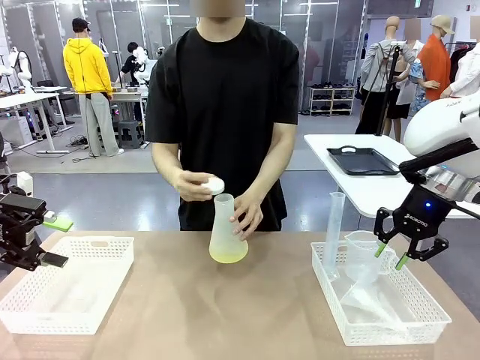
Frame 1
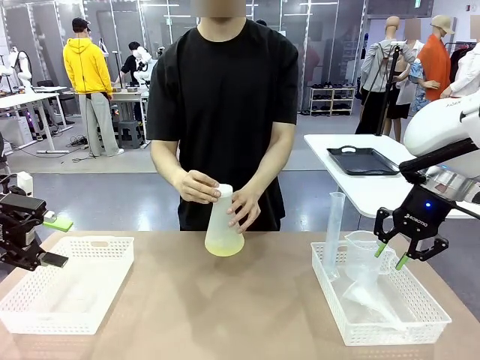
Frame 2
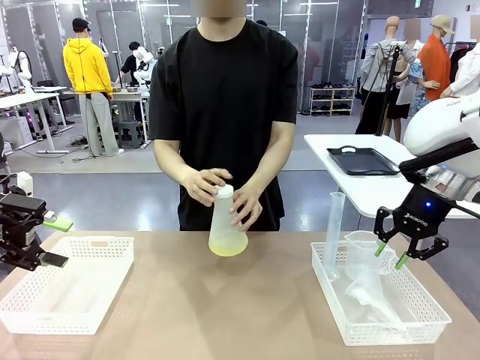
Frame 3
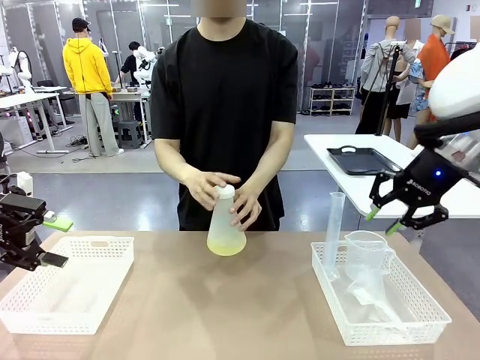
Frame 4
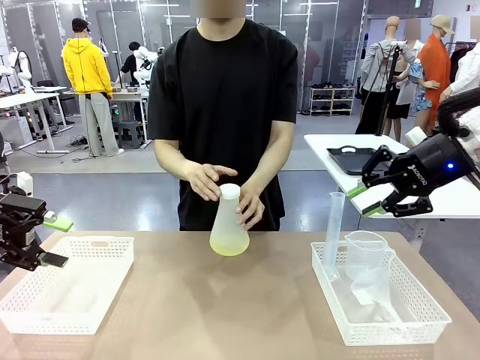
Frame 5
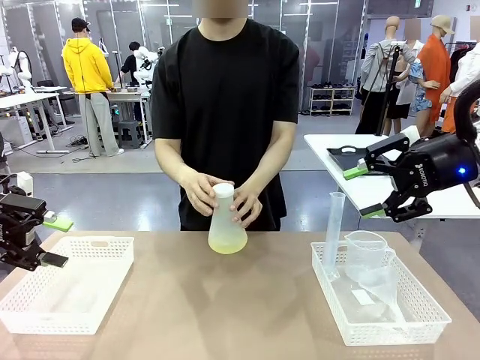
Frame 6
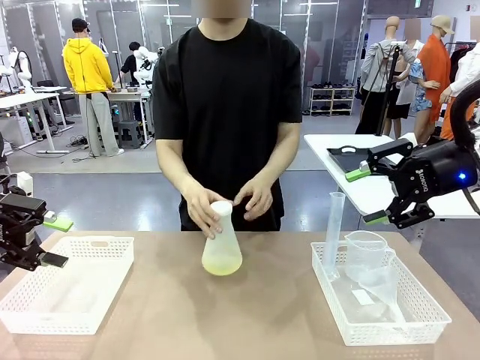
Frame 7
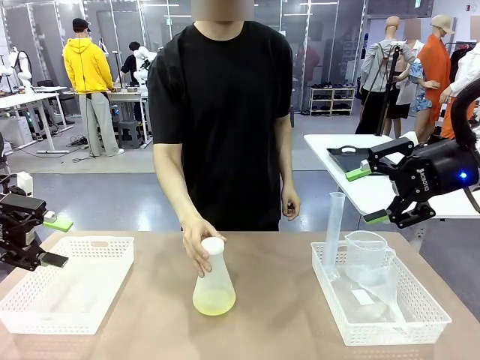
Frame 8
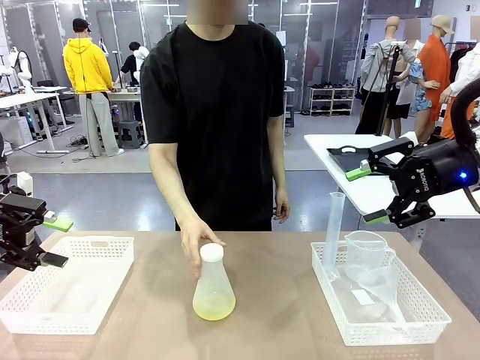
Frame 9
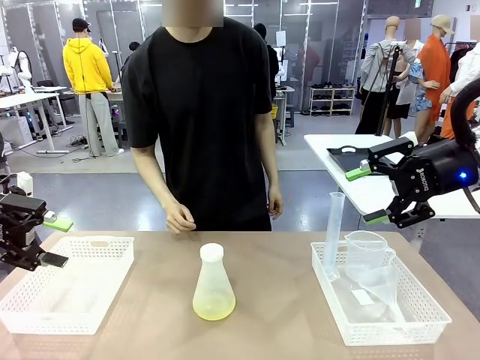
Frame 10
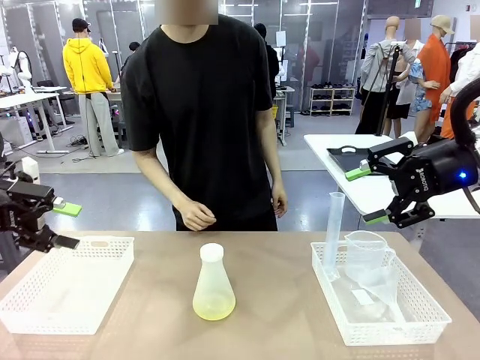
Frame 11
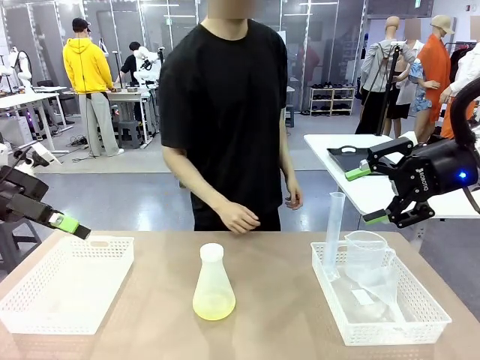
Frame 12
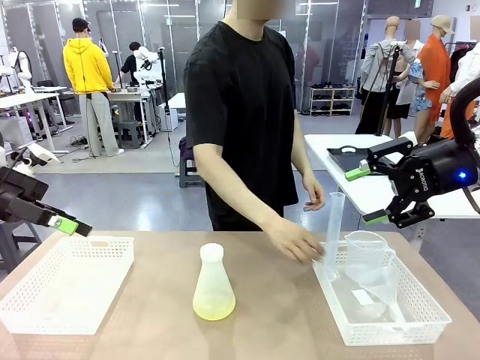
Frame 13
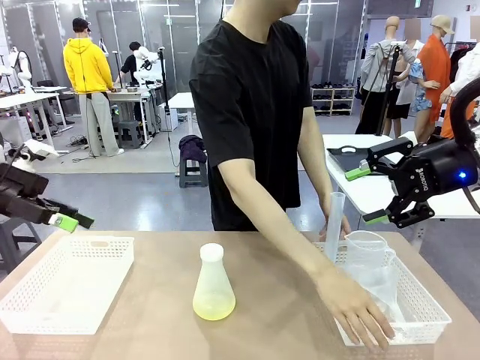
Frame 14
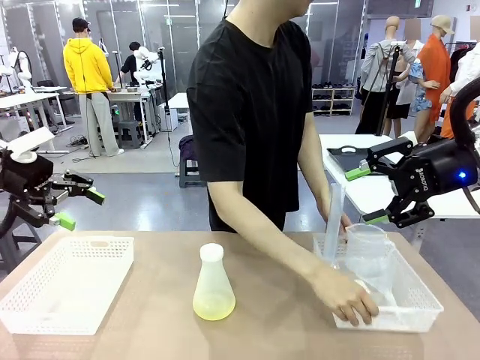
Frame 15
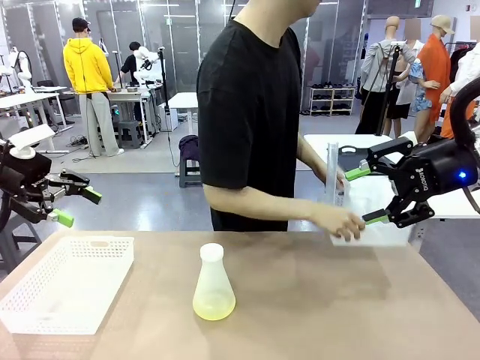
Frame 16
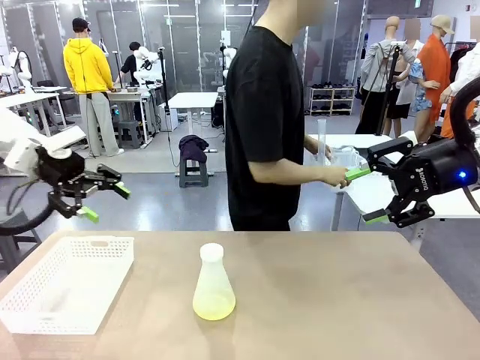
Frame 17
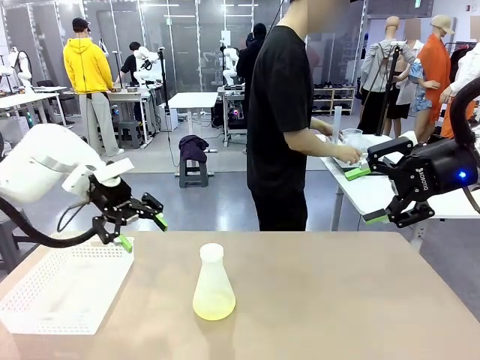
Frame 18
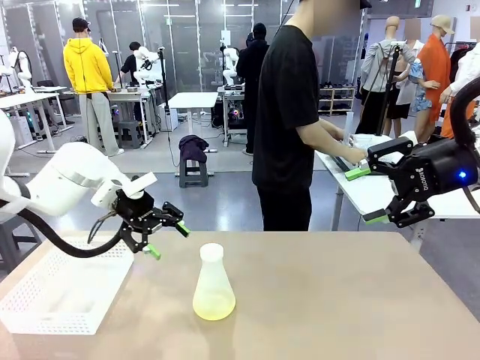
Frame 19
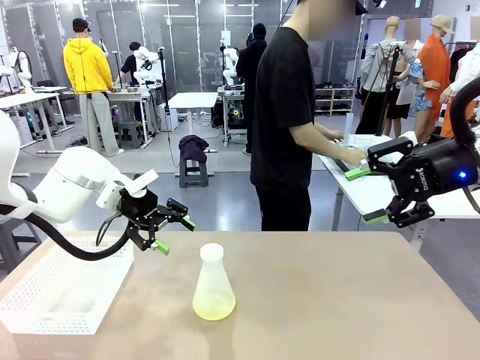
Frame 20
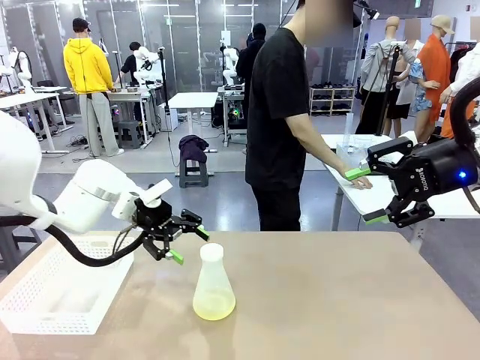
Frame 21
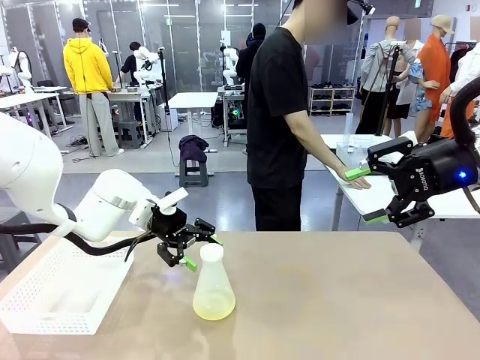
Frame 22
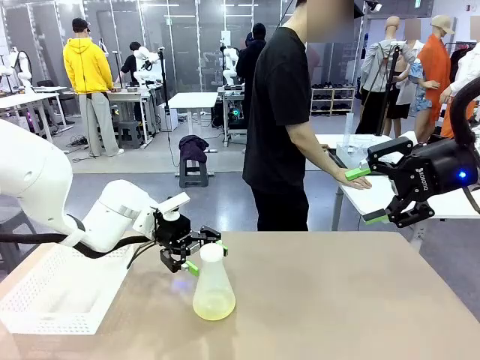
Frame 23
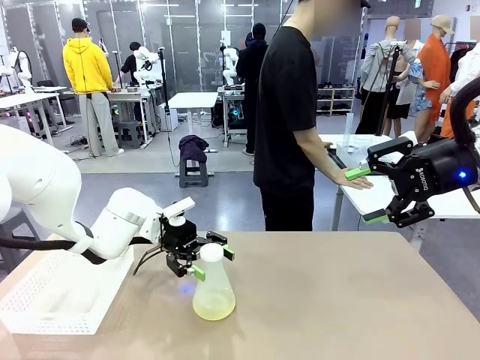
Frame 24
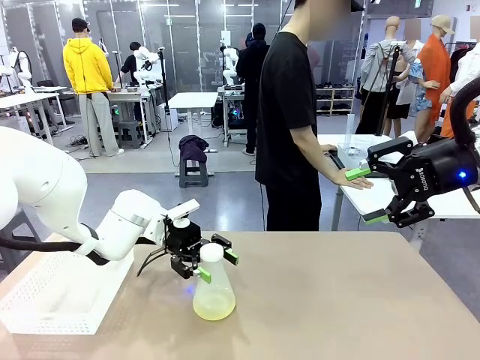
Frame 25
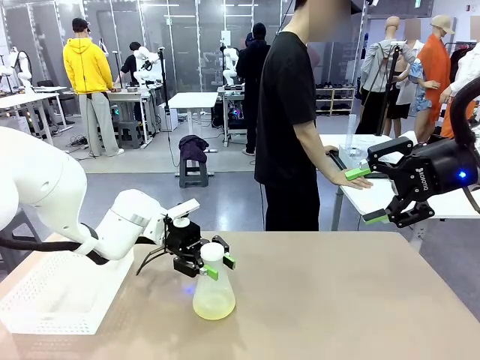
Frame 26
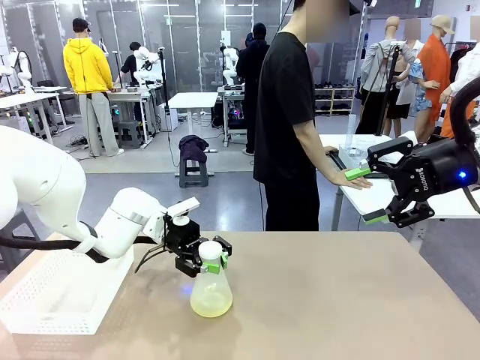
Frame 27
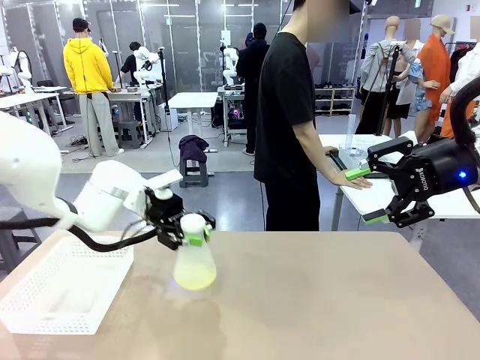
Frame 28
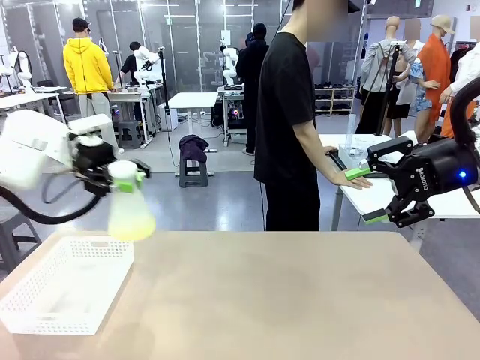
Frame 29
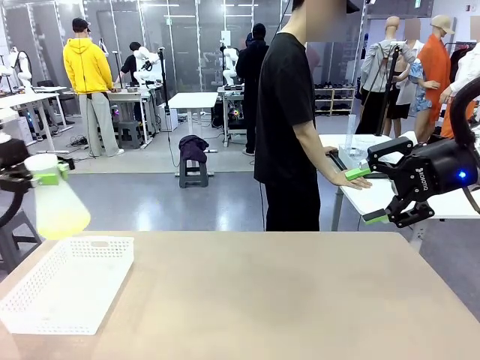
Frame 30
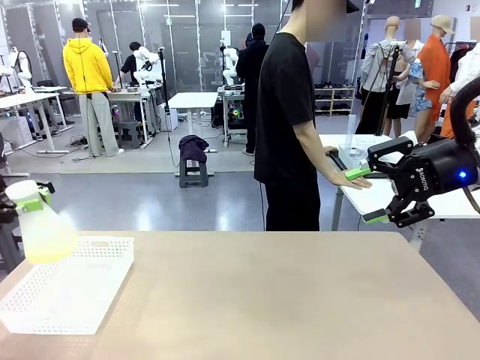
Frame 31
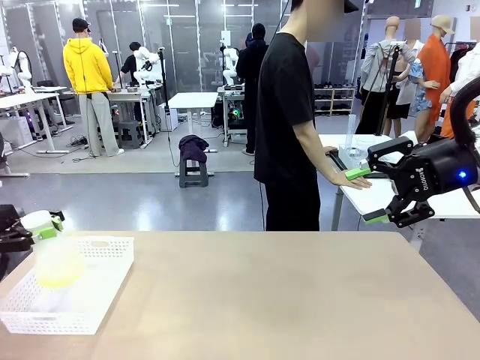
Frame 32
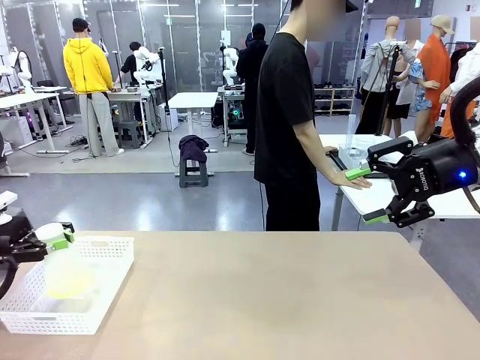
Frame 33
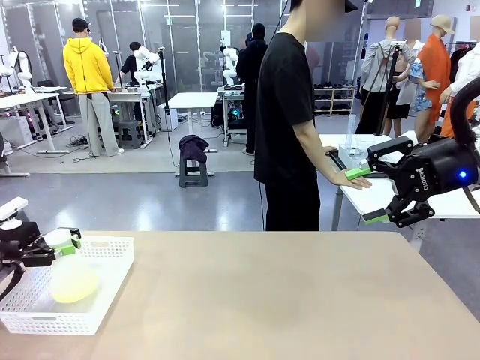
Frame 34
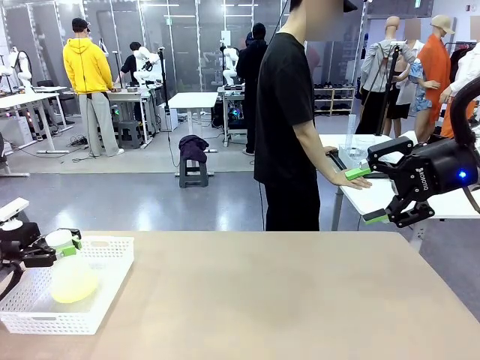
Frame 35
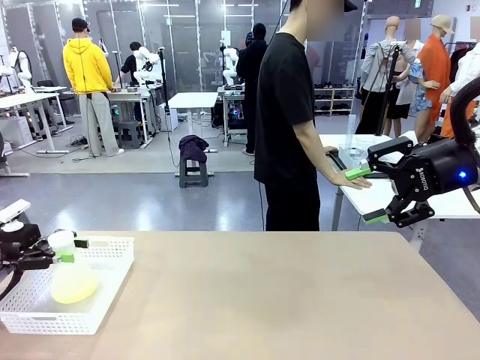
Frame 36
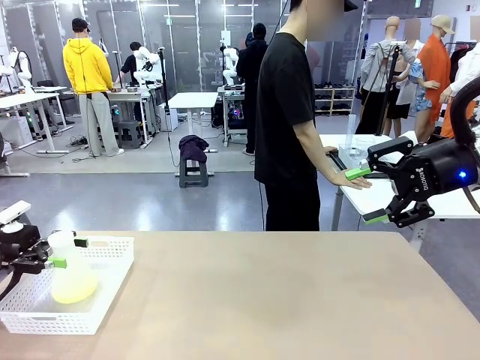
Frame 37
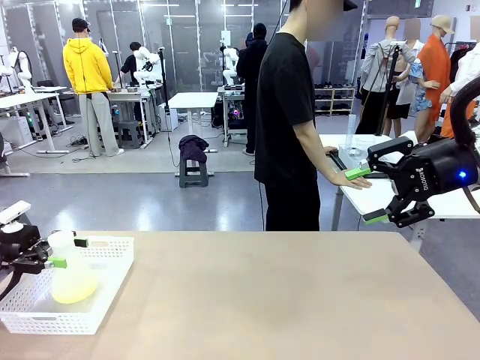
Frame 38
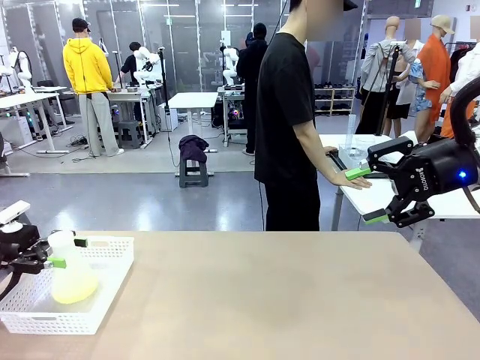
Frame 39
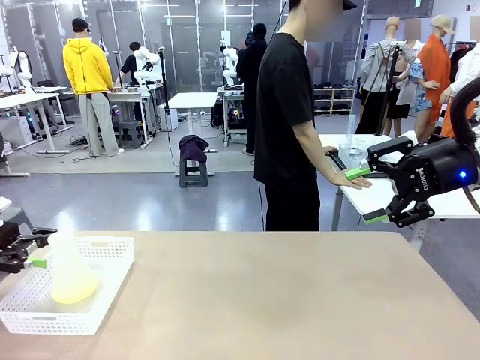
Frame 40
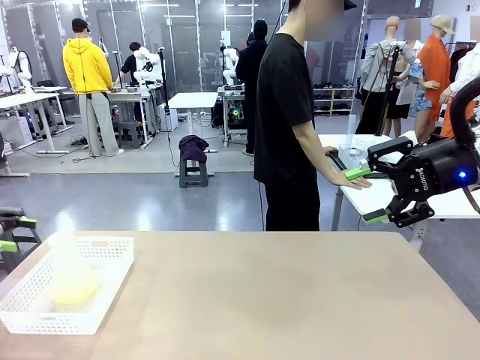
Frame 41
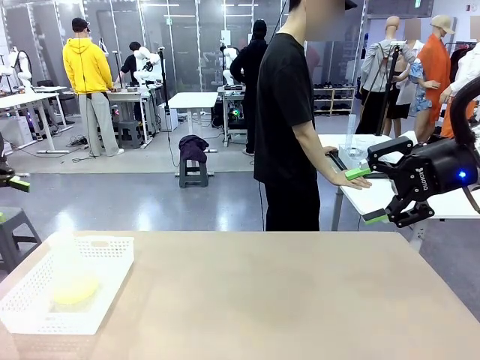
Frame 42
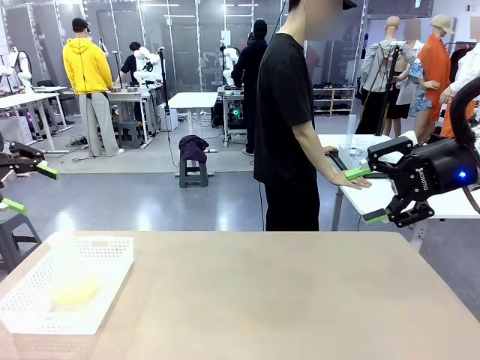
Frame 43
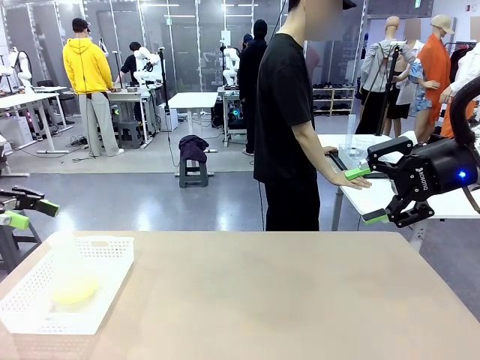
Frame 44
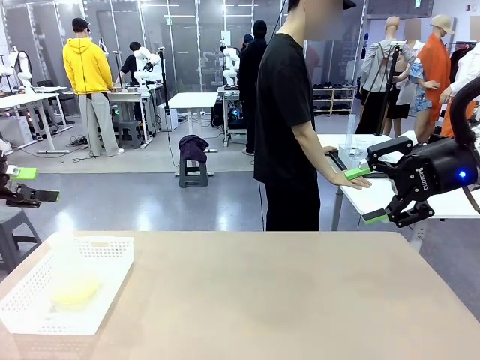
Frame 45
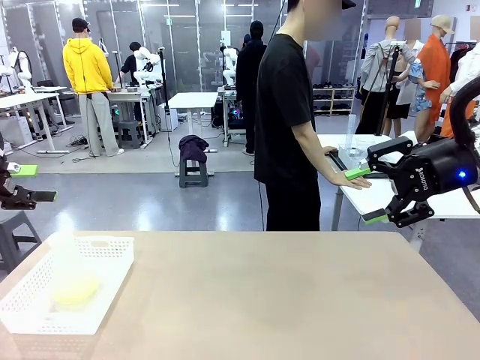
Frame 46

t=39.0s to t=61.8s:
Task: Prepare the solutions needed for the experiment.
Robot: When the human places the Big flask in the center of the table, pick up the Big flask and place it in the left Organizing basket.
Person: Pick up the organizing basket on the left side of the robot table and place it on the left side of the human table.

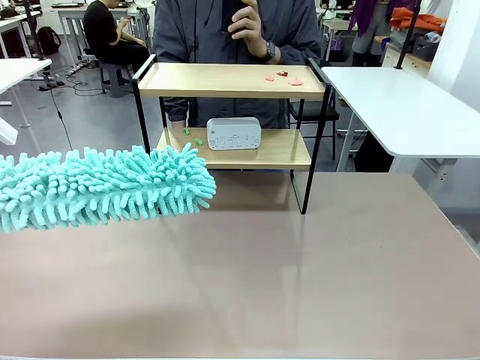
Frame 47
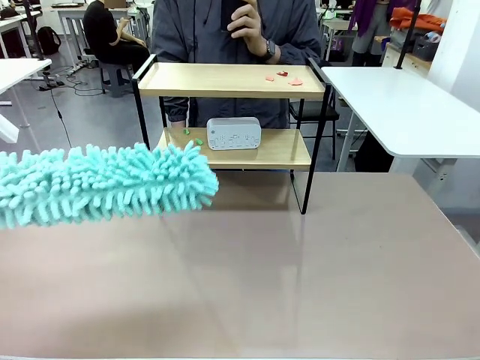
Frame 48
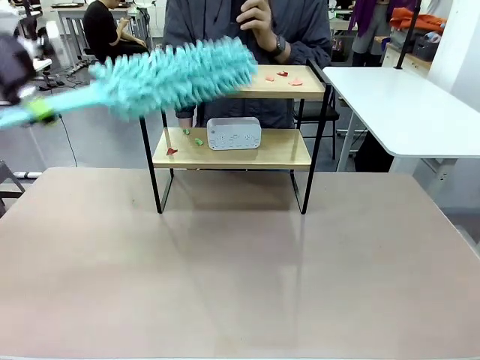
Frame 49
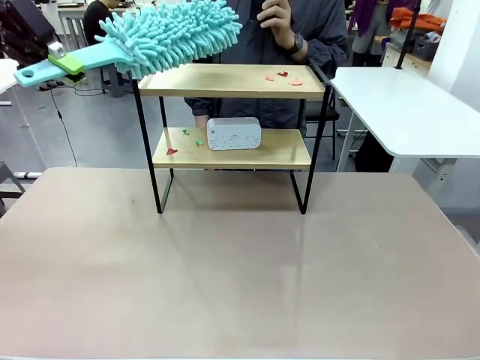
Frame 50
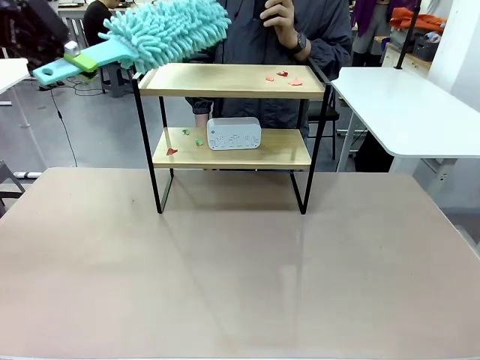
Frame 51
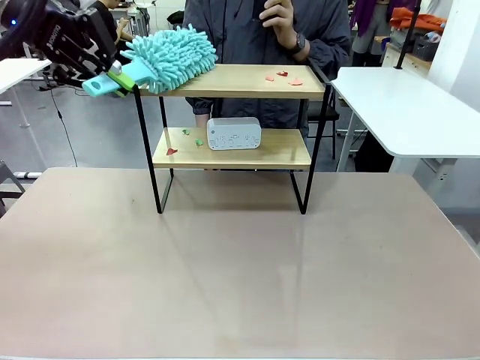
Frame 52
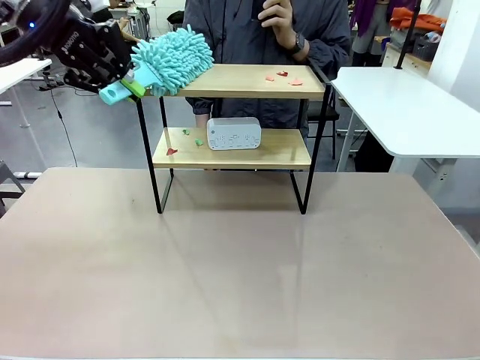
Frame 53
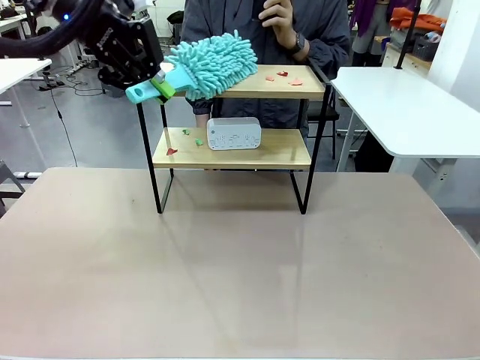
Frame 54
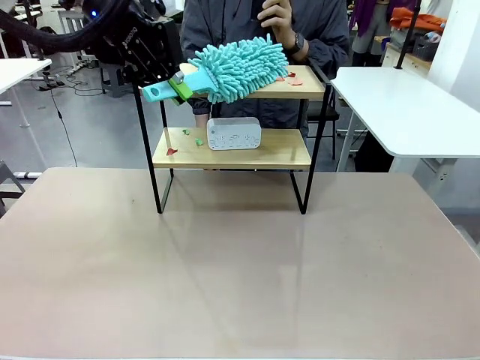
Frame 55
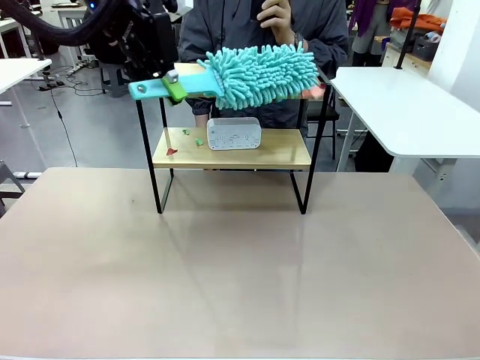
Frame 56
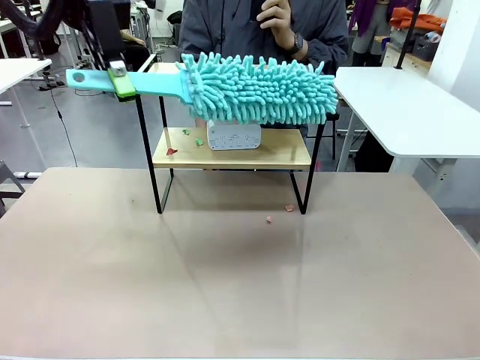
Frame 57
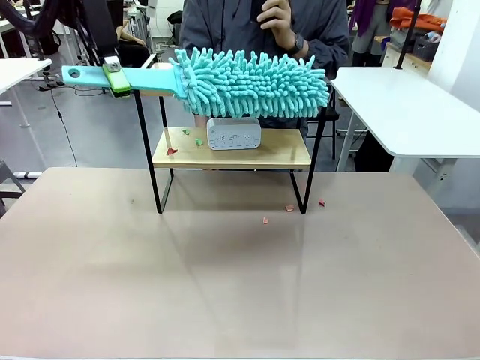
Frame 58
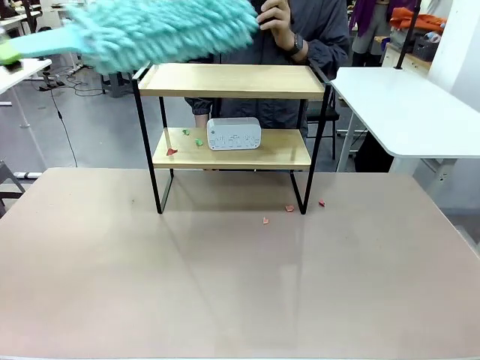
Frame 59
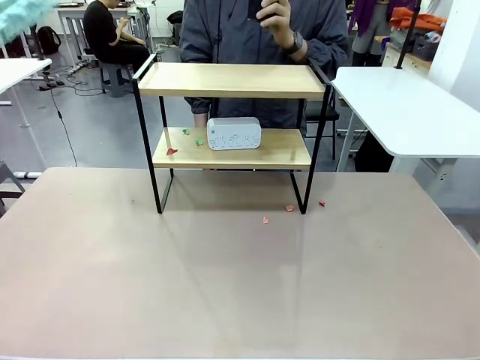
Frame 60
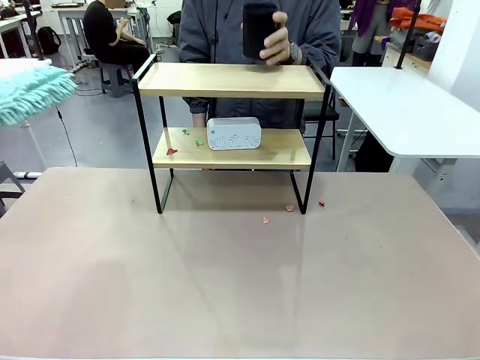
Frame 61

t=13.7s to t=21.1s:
Task: Clean the shelf.
Robot: Clean the specific tier of the Shelf with the Duster once objects are removed.
Person: Once the robot finishes cleaning, lift the objects on the remaining tiers of the Shelf.
